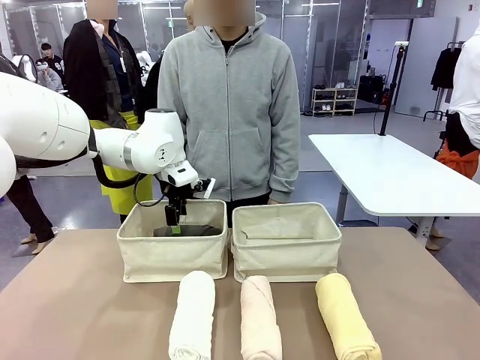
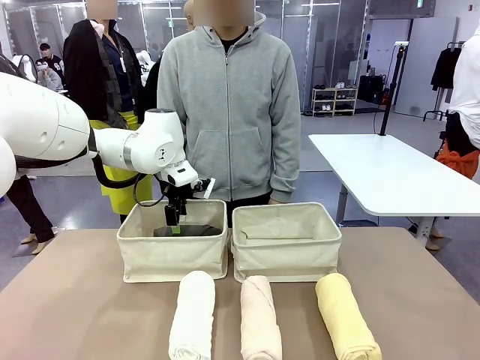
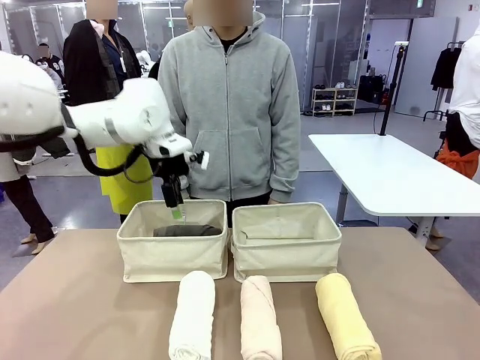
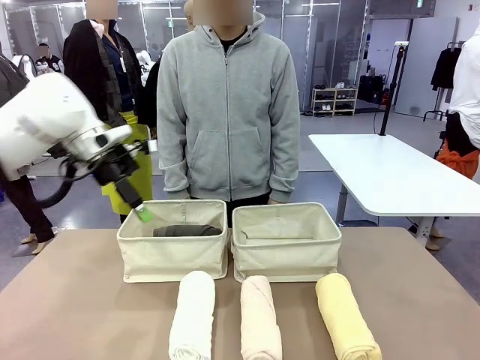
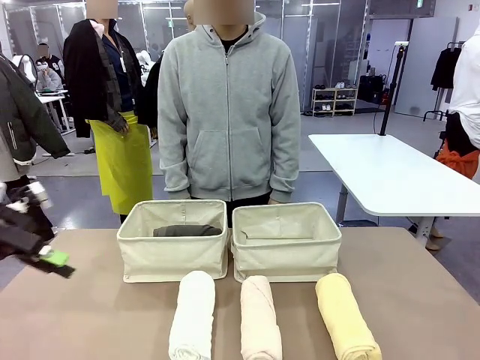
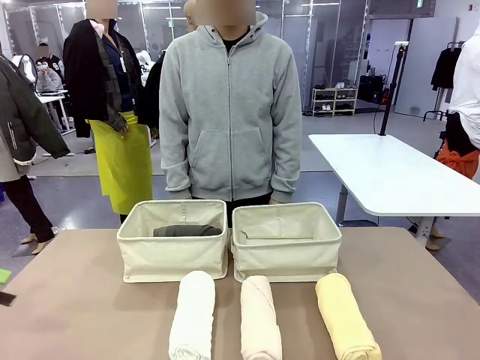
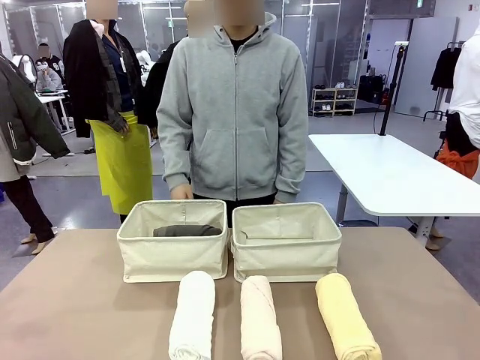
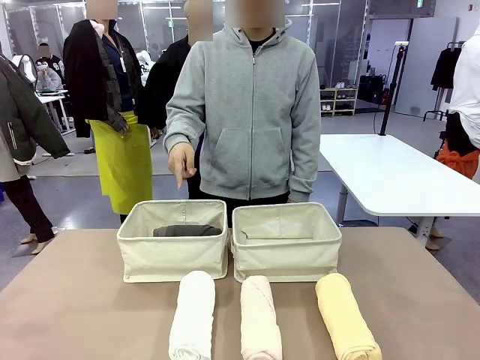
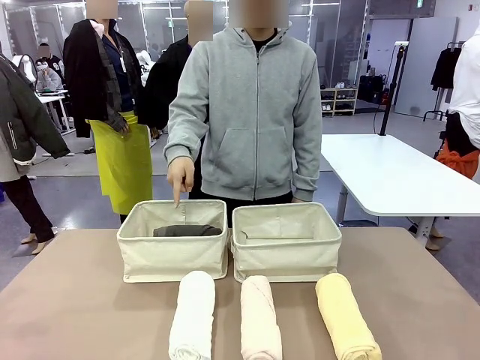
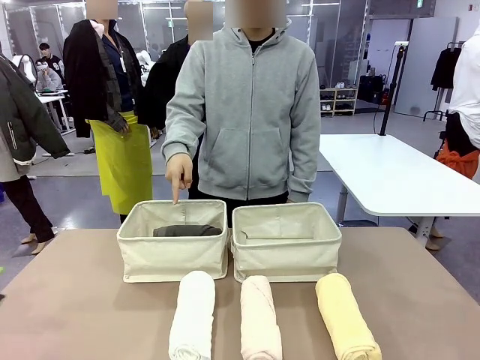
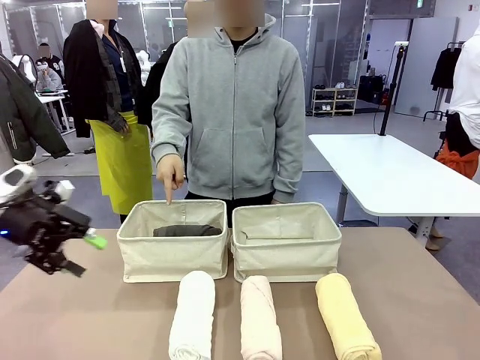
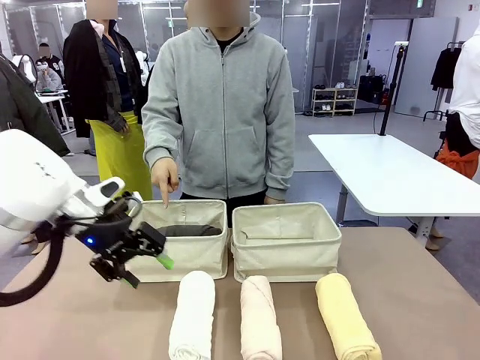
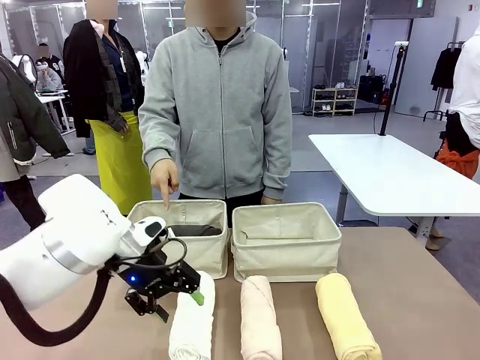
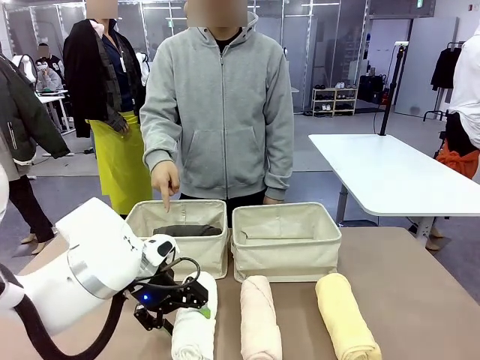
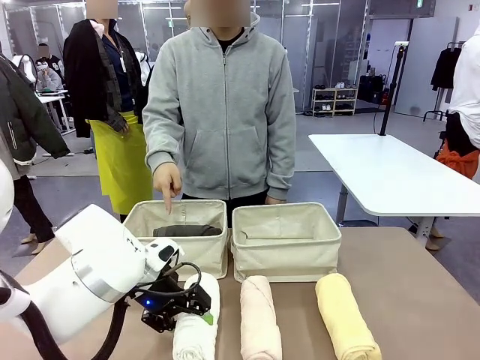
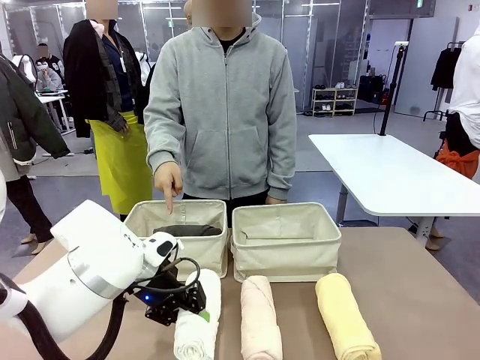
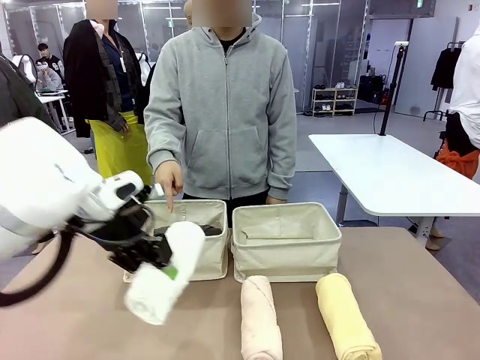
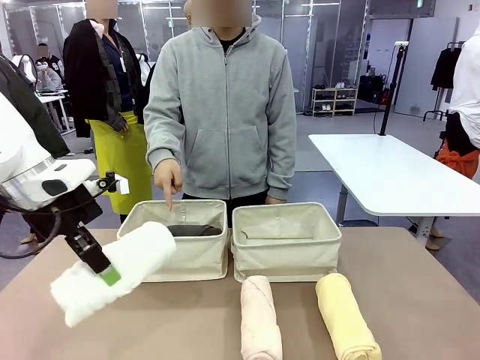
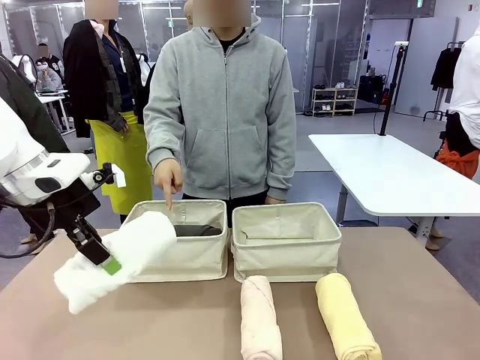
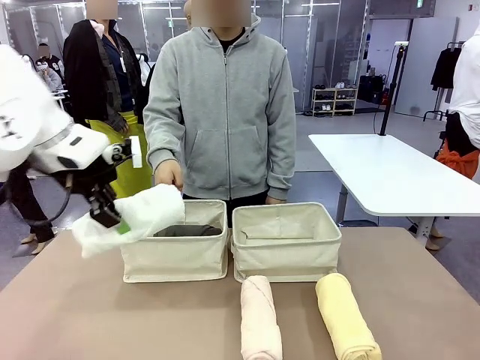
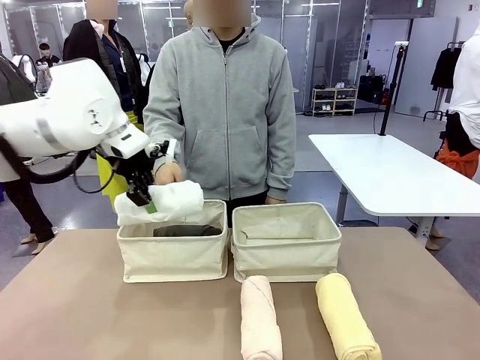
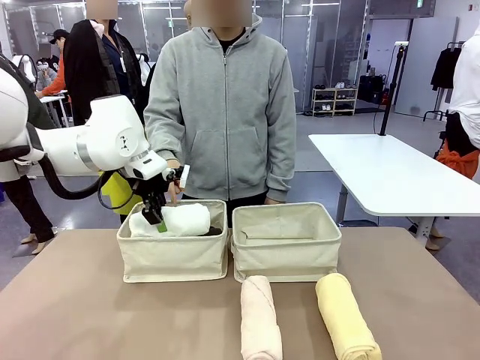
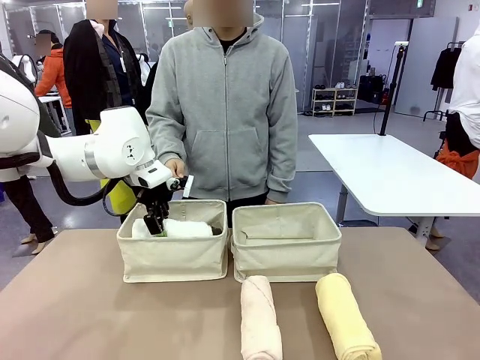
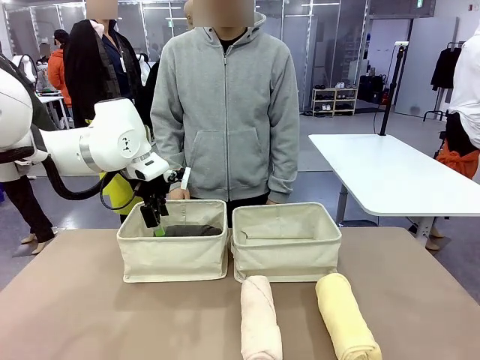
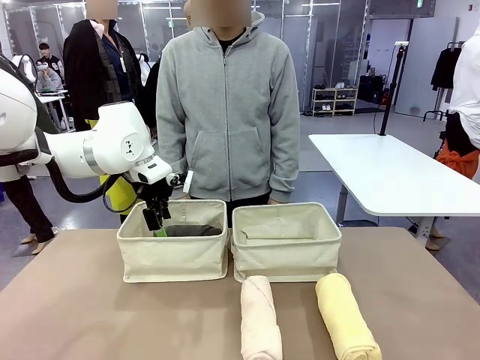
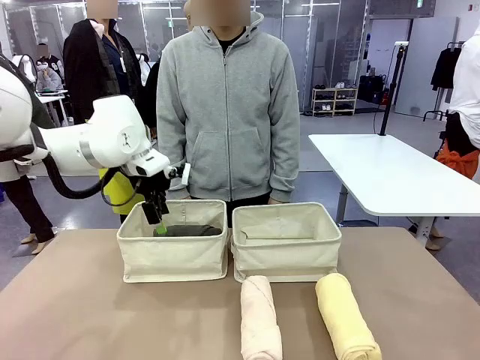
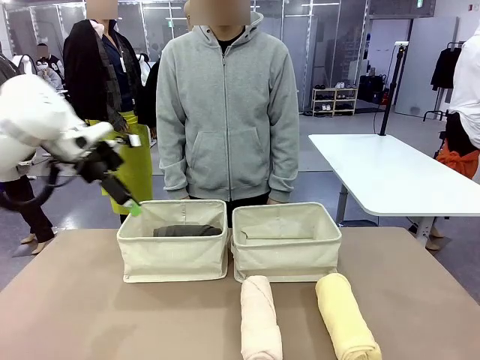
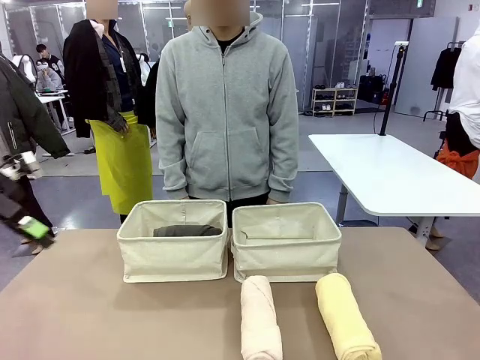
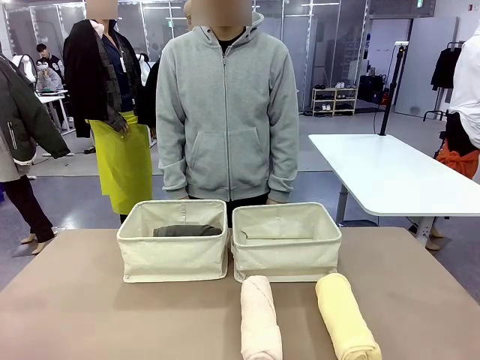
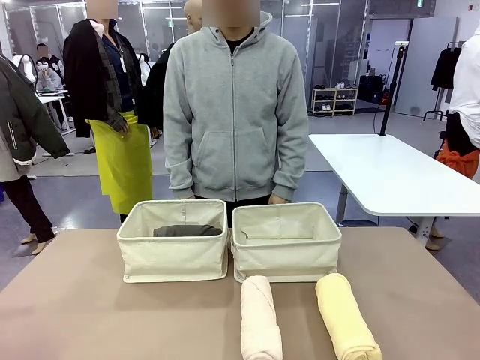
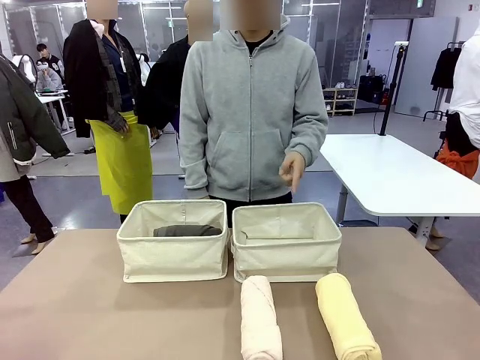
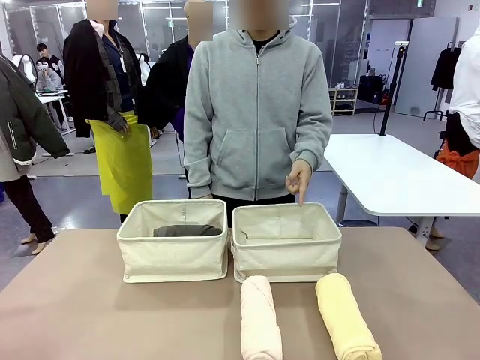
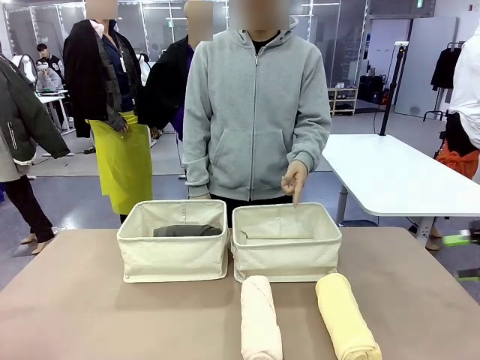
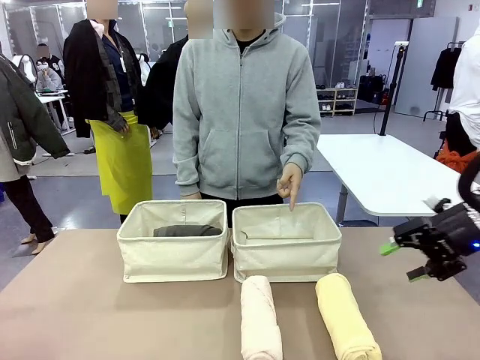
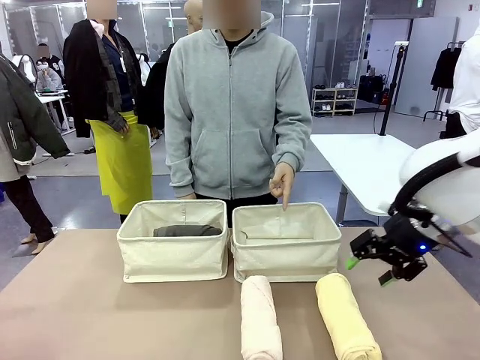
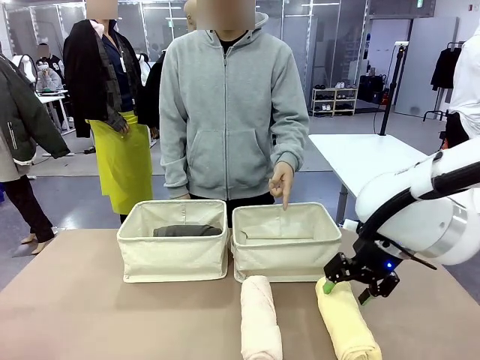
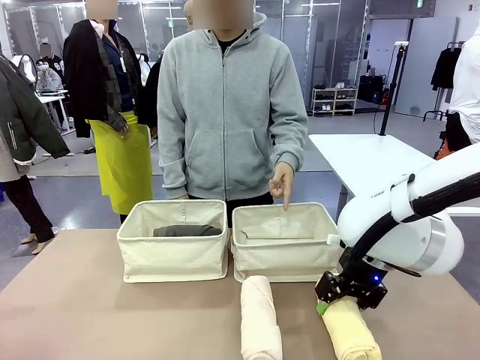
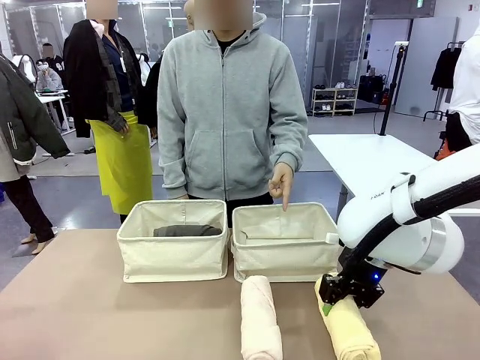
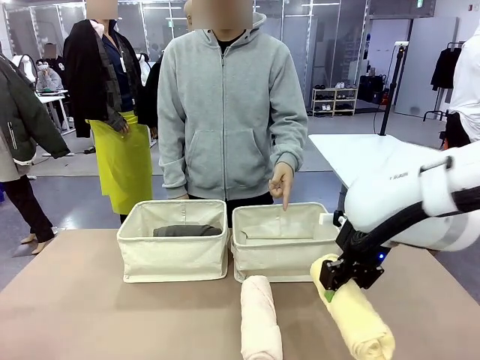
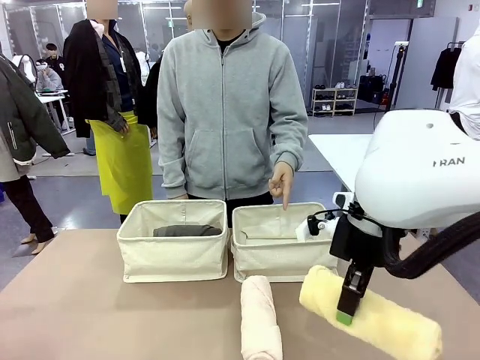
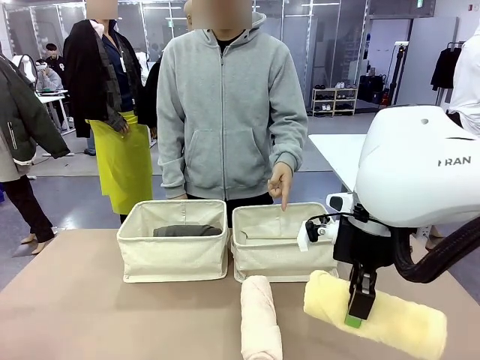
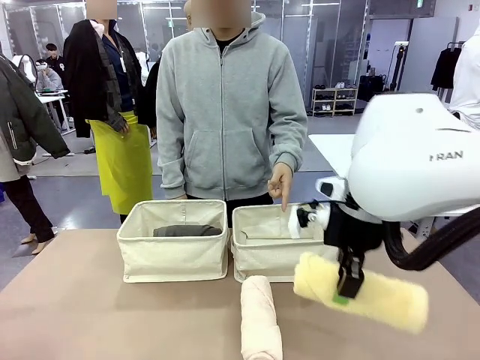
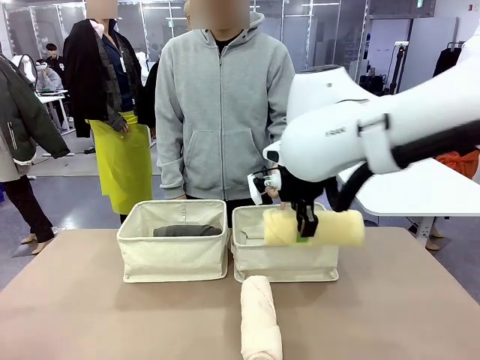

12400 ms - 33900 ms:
Task: Divide the towels into two baskets.
Robot: Pick up one hotel-folded towel from the bottom of the table and place it in the Fabric basket indicated by the person.
